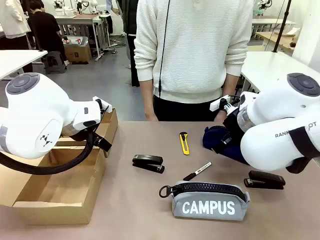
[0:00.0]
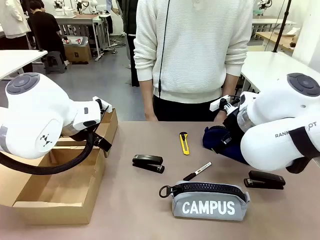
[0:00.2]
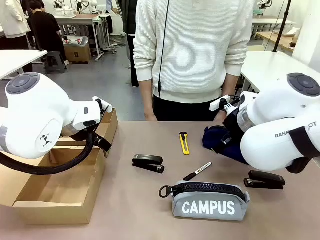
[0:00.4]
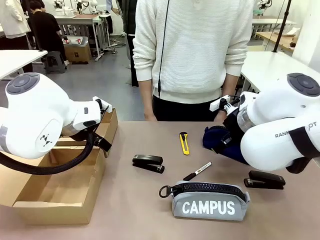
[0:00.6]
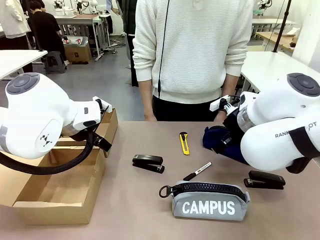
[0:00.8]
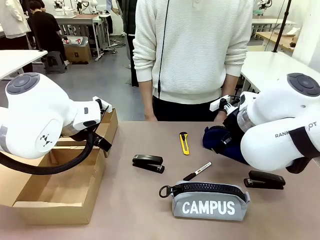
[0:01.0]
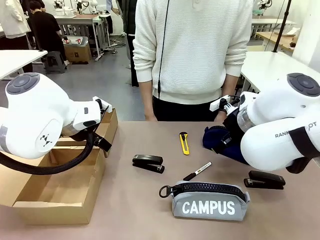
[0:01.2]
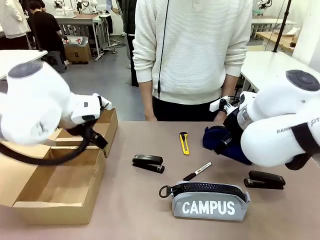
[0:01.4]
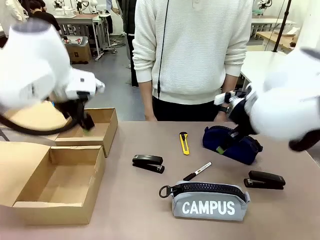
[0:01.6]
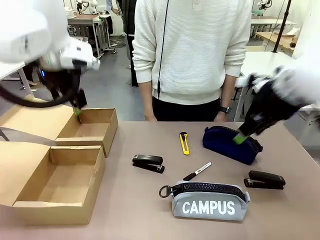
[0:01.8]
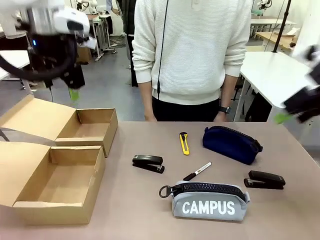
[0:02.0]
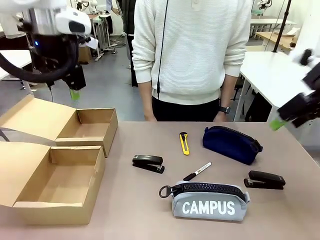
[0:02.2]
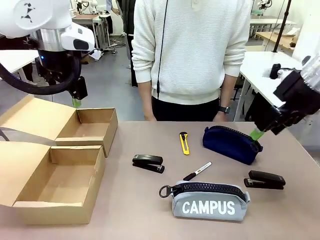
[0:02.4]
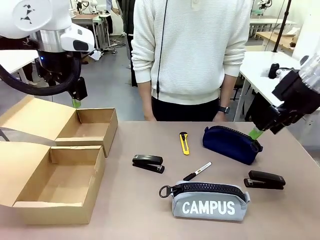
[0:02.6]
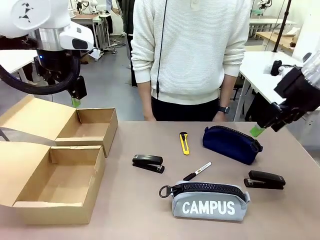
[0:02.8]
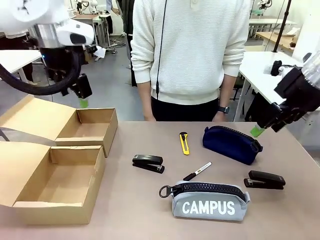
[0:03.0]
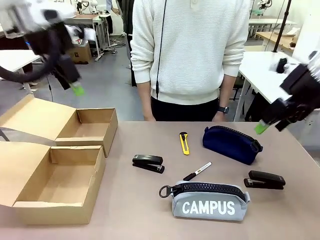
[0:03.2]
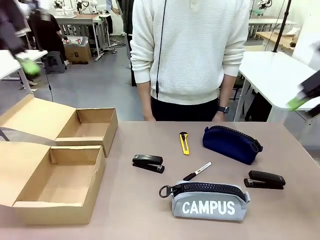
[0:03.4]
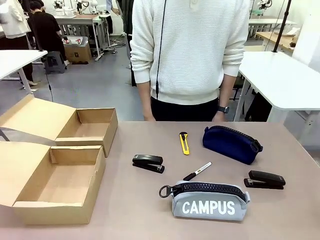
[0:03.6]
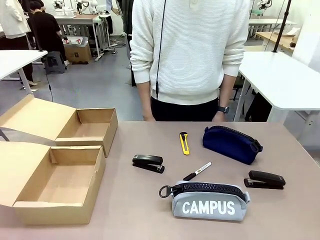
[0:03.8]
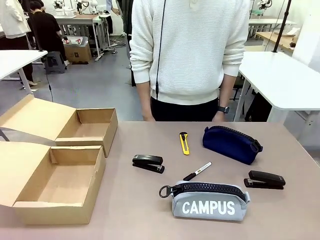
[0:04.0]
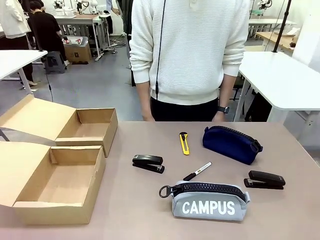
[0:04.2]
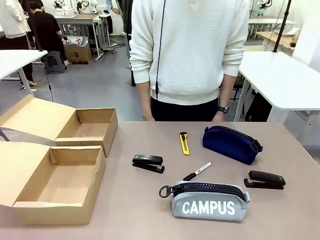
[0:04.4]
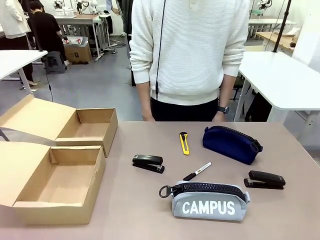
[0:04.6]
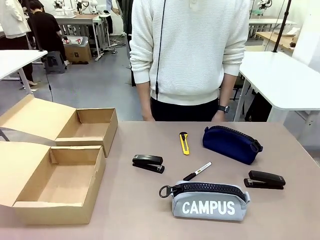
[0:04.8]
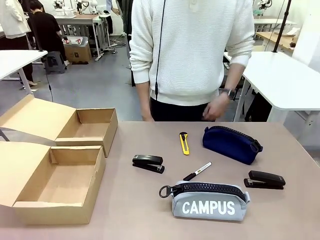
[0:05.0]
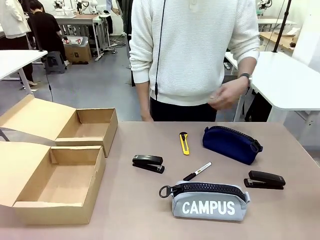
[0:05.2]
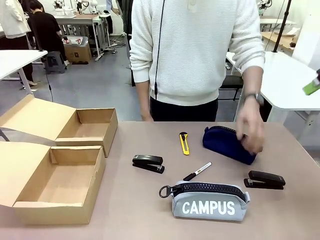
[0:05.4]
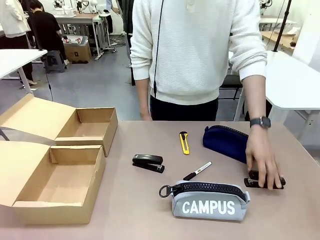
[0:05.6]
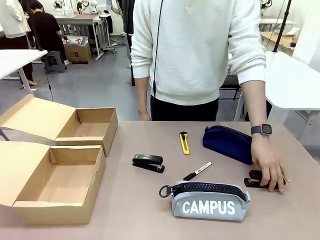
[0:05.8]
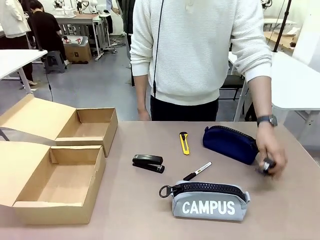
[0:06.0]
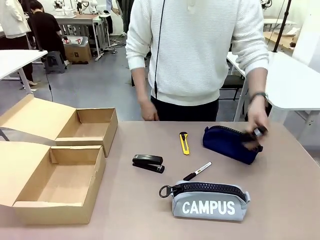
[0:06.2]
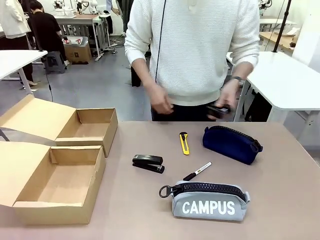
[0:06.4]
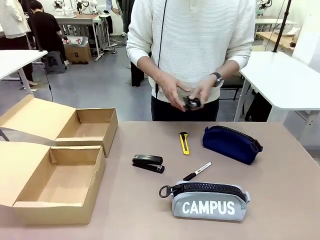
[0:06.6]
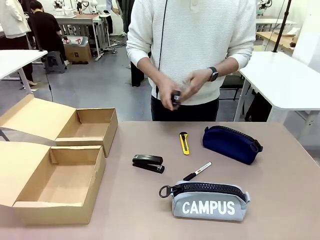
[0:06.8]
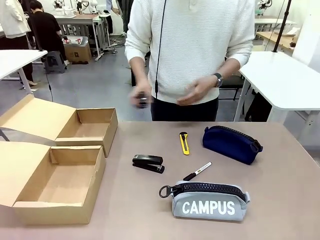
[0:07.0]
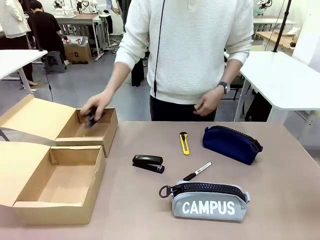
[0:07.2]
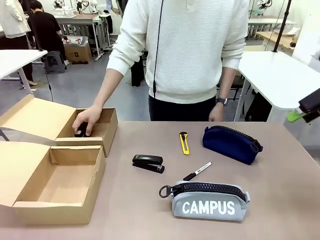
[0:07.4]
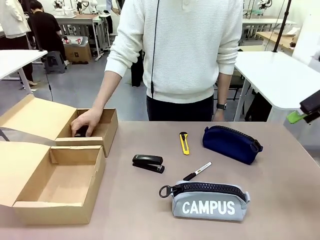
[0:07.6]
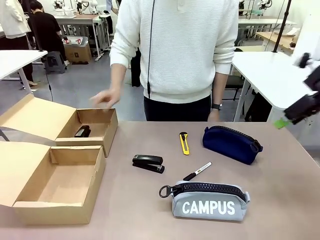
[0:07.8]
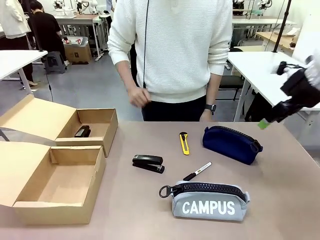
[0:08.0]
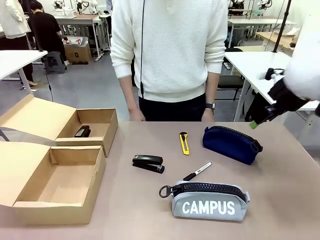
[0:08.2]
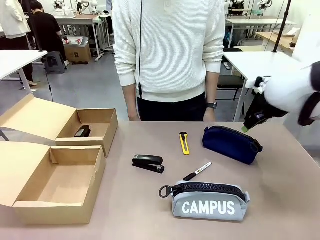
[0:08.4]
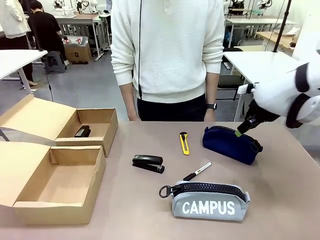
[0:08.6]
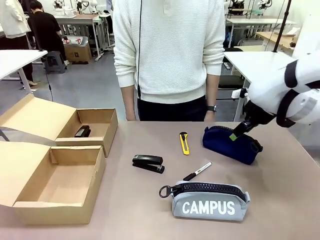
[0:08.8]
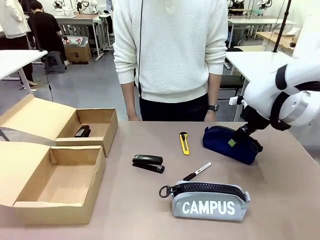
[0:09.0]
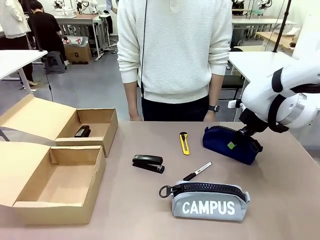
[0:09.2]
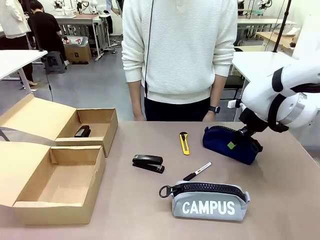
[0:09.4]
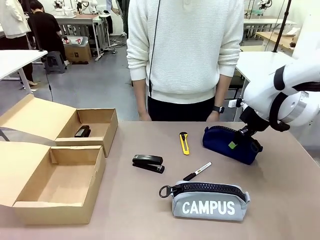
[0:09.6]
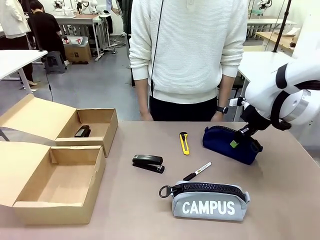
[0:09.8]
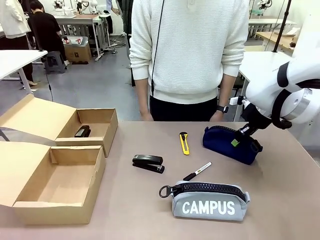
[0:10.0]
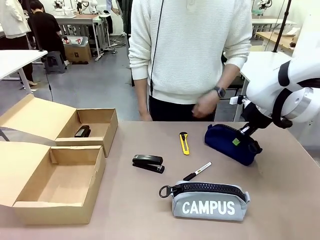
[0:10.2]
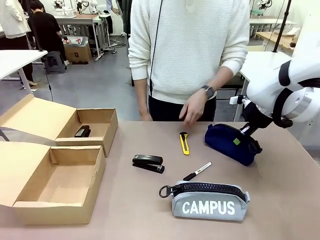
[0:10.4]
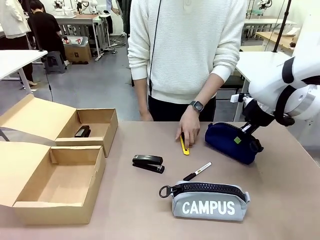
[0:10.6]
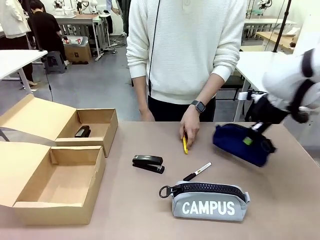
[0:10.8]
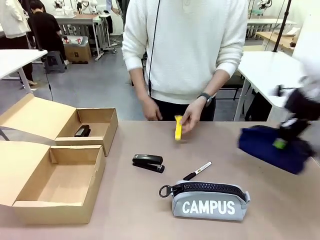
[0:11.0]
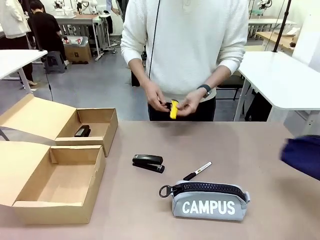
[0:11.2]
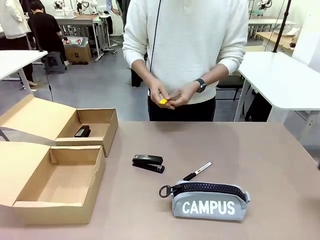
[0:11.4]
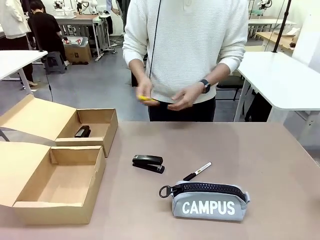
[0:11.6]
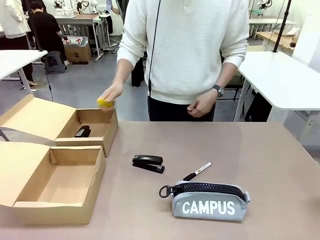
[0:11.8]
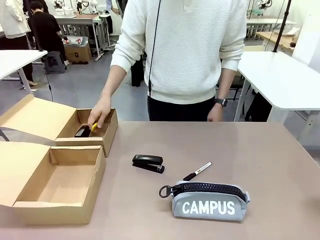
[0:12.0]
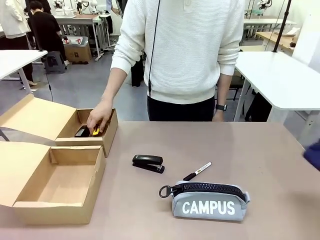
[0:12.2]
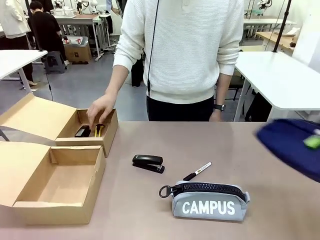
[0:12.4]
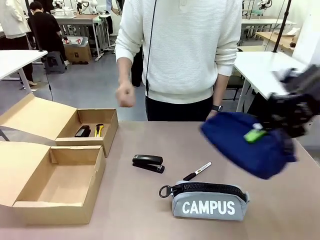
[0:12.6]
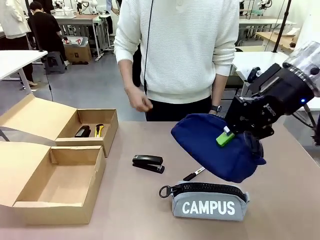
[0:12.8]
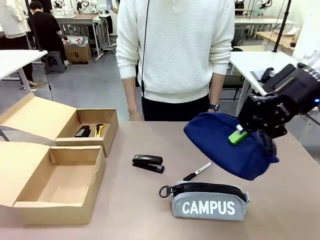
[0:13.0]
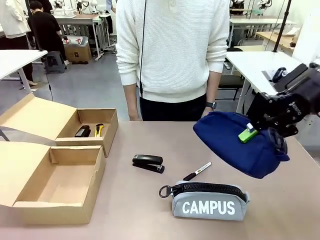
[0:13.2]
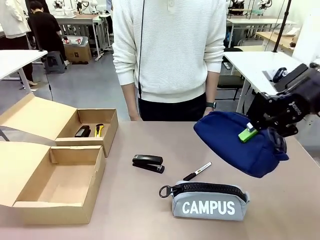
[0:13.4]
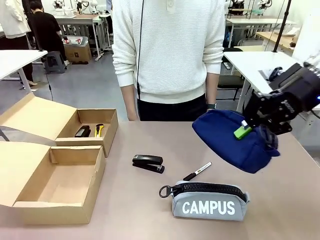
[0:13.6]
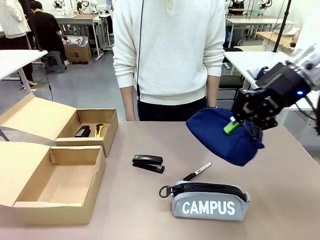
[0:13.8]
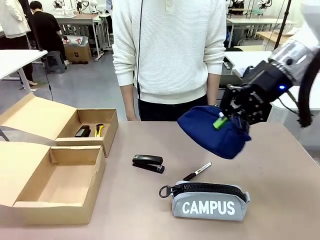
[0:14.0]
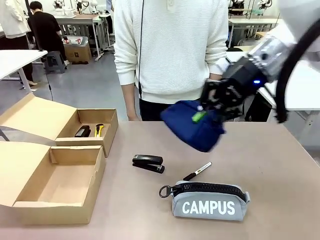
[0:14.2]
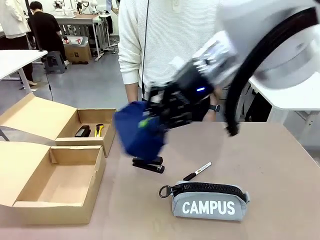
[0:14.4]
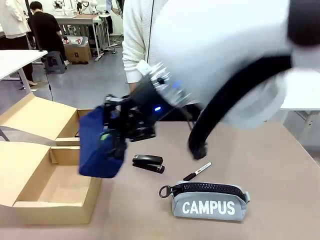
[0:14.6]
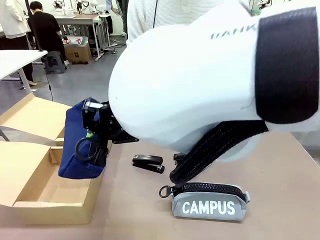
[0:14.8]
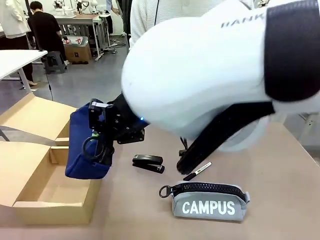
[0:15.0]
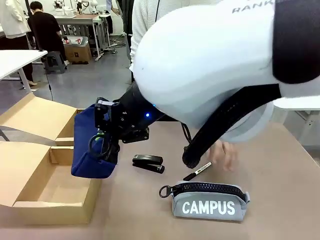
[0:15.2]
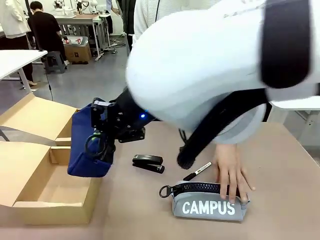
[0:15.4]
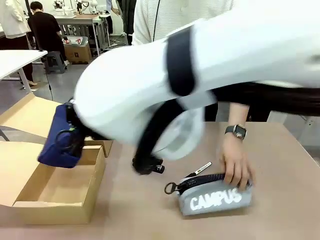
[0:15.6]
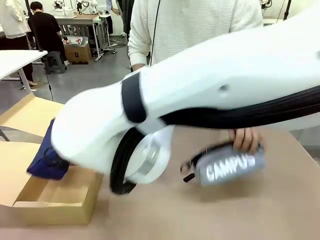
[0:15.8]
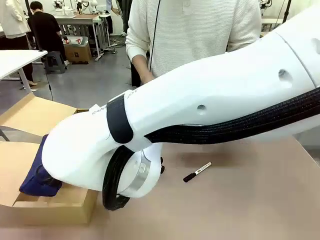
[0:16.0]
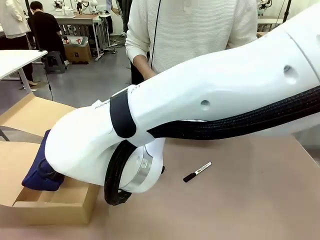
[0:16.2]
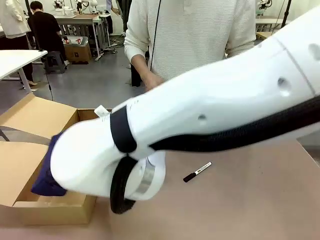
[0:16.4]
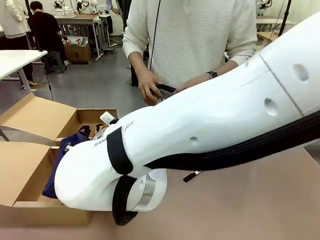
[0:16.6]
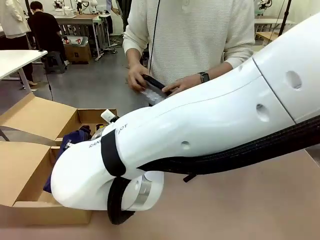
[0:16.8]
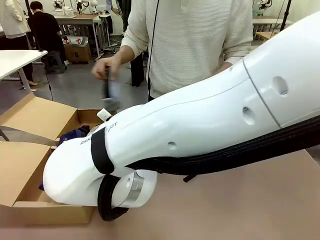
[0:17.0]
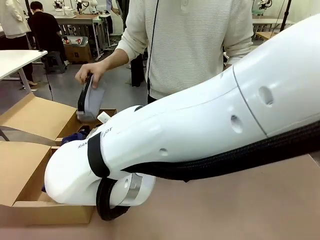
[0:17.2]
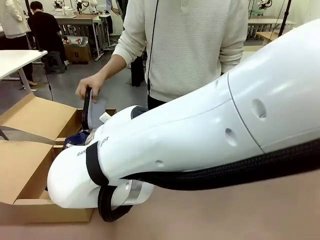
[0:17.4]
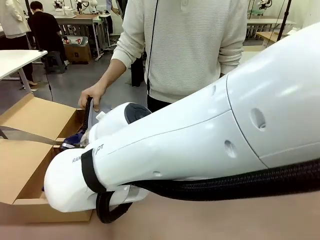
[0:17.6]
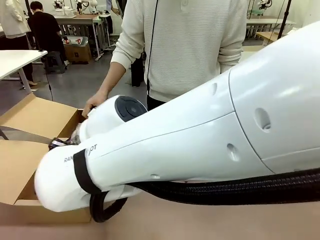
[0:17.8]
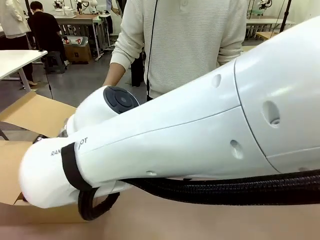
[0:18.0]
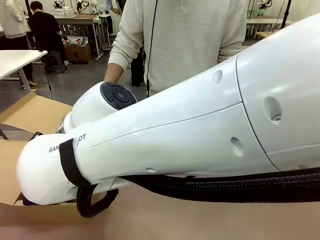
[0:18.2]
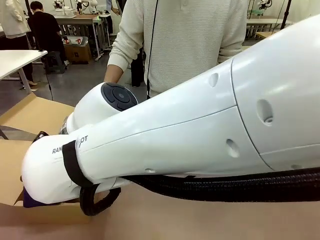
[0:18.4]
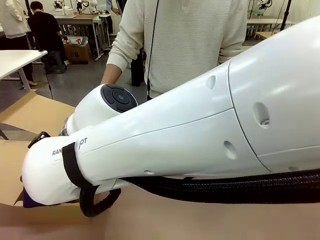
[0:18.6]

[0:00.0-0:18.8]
Task: Place items inside the box.
Robot: Pick up a Pencil pouch or Stapler and place it inside the Mailer Box closest to the robot.
Person: Pick up an object on the table and put it in the box.
